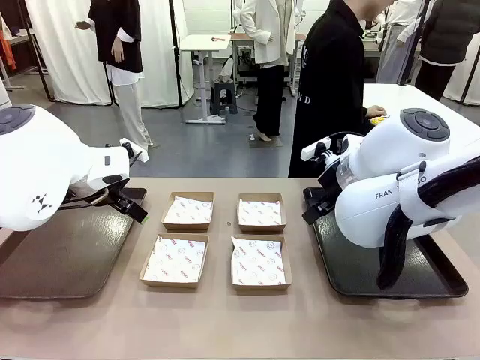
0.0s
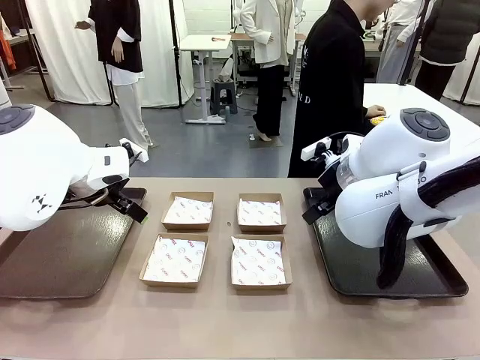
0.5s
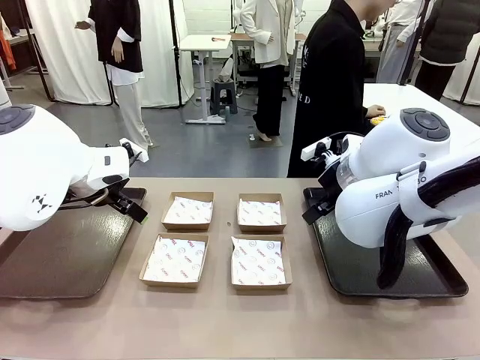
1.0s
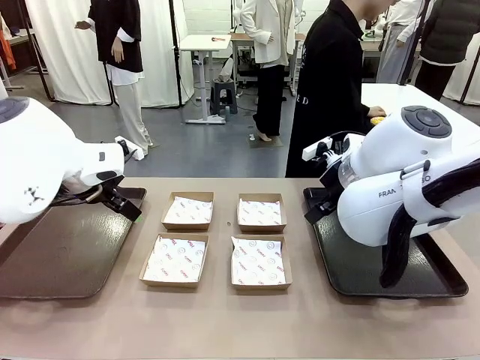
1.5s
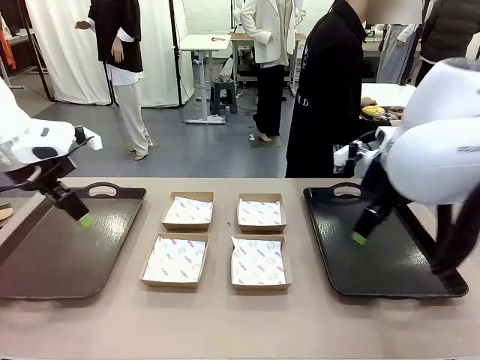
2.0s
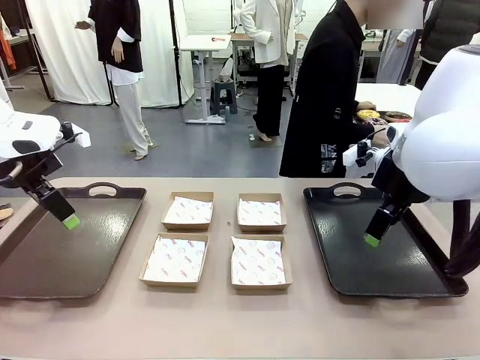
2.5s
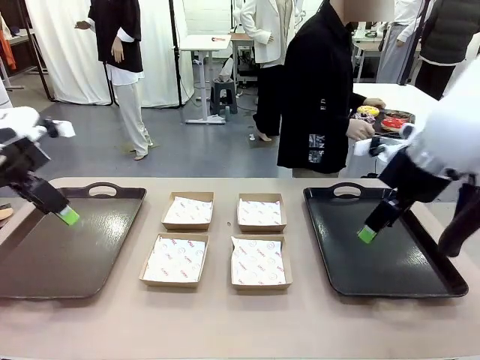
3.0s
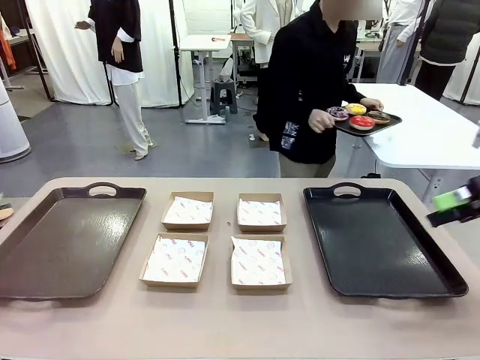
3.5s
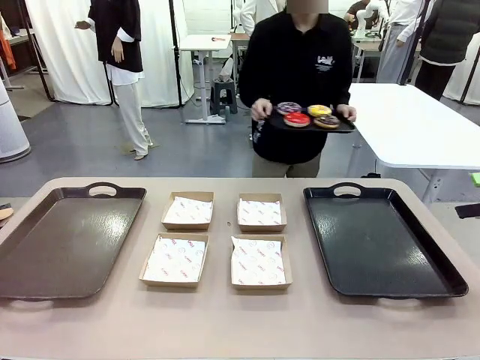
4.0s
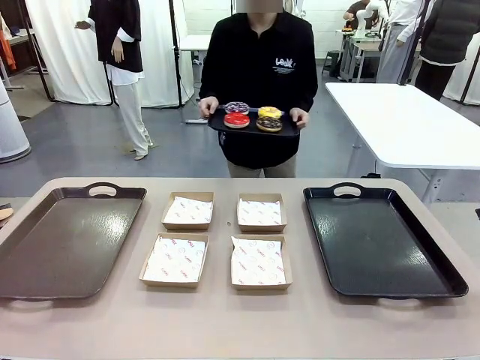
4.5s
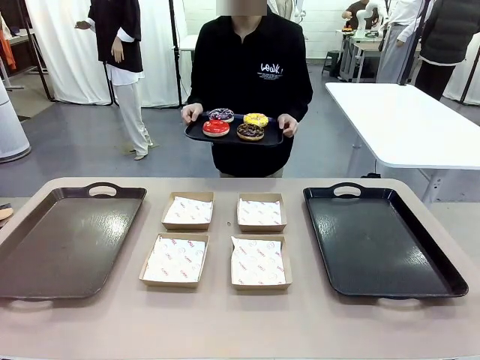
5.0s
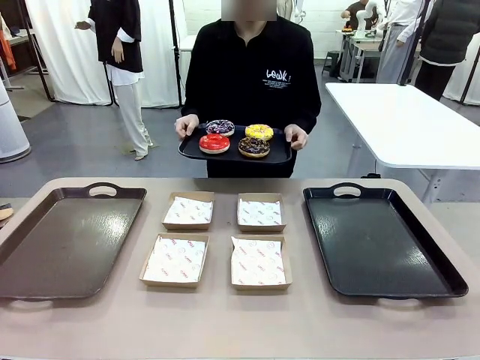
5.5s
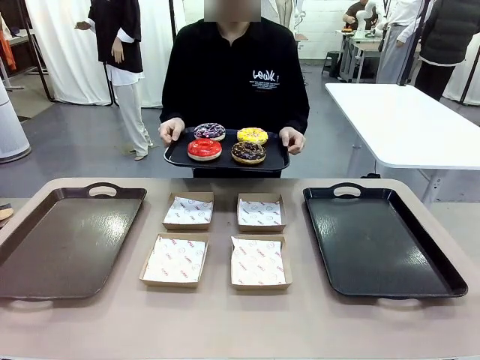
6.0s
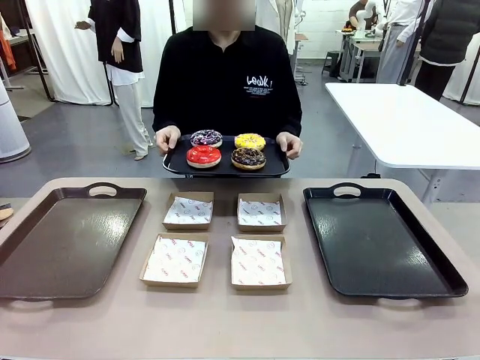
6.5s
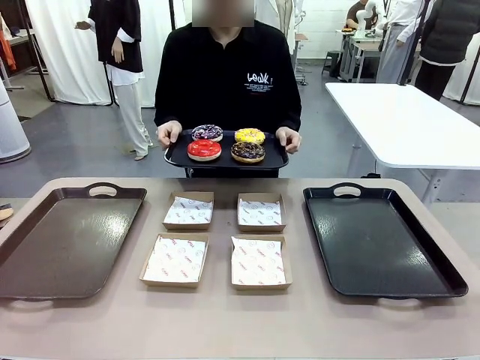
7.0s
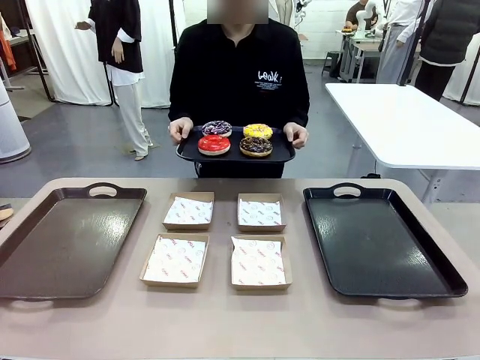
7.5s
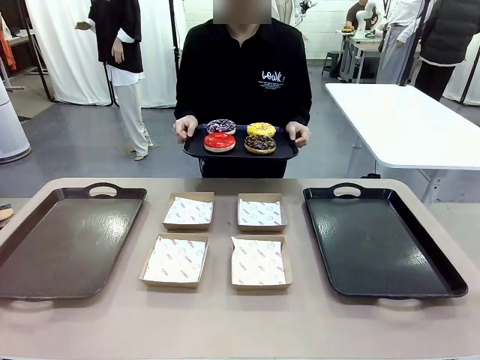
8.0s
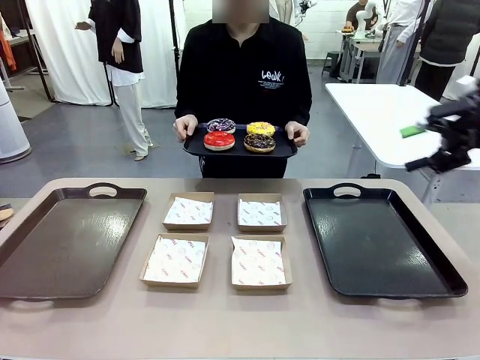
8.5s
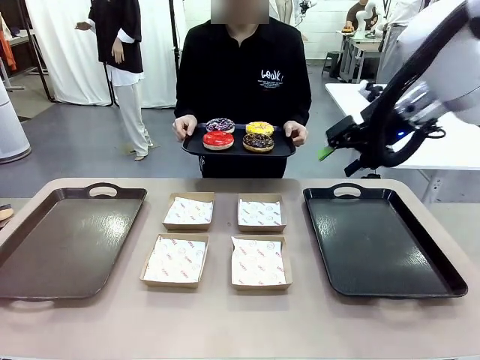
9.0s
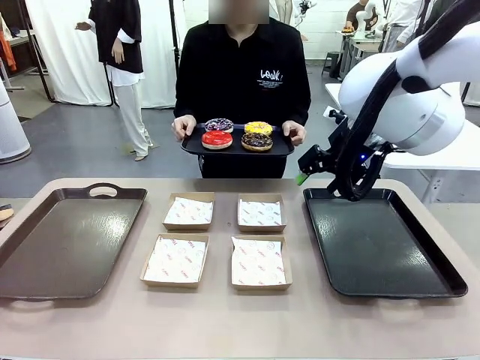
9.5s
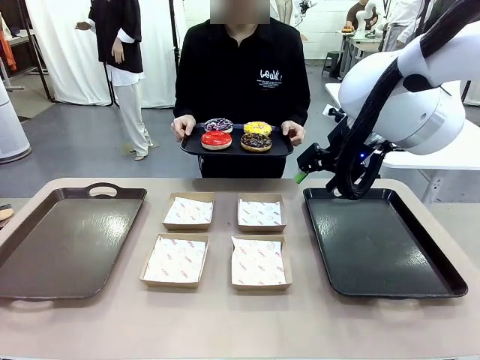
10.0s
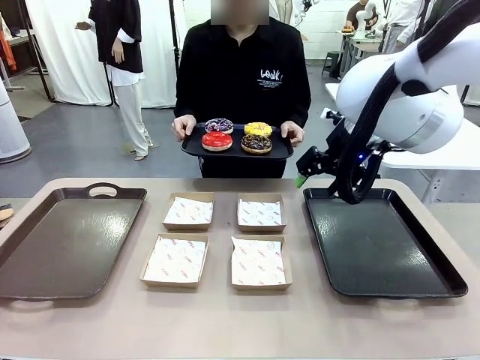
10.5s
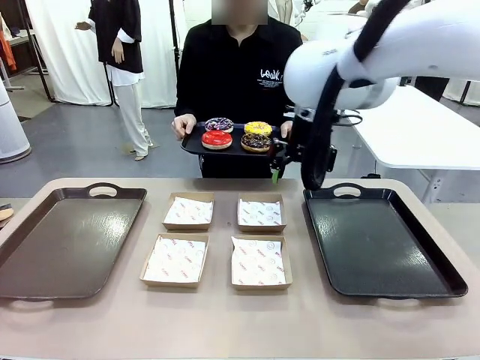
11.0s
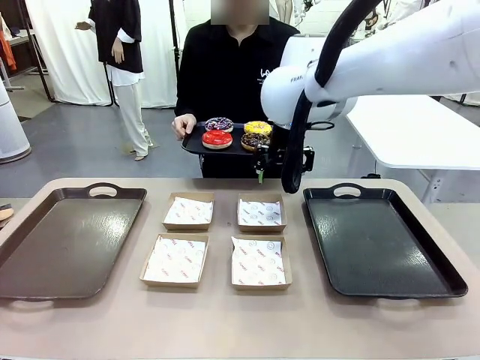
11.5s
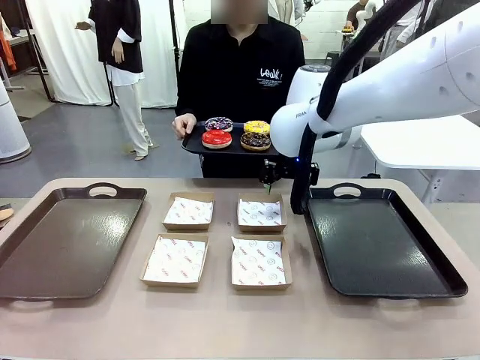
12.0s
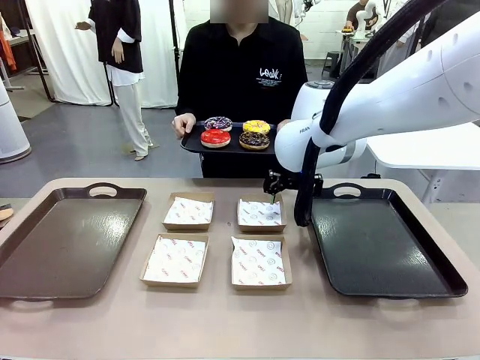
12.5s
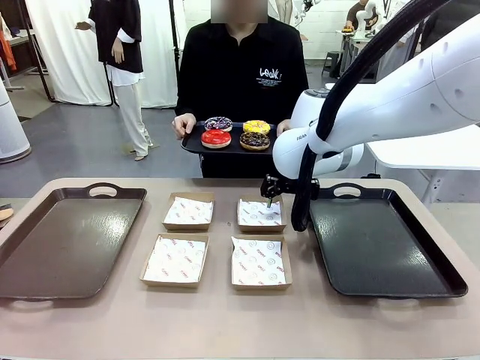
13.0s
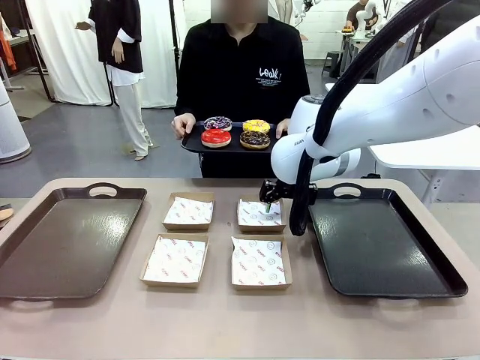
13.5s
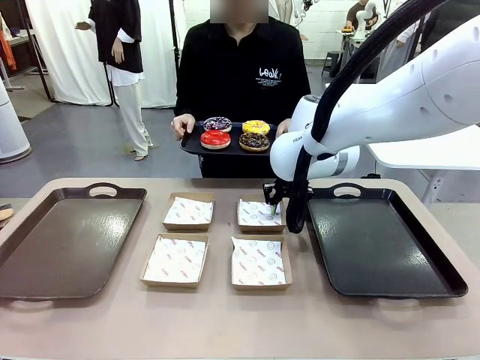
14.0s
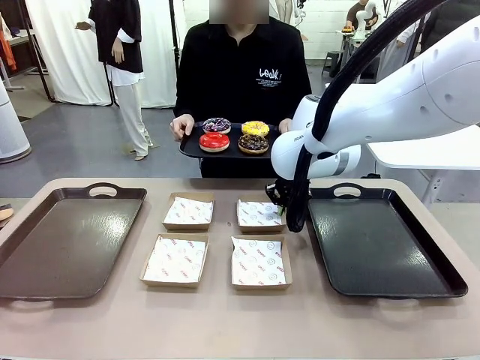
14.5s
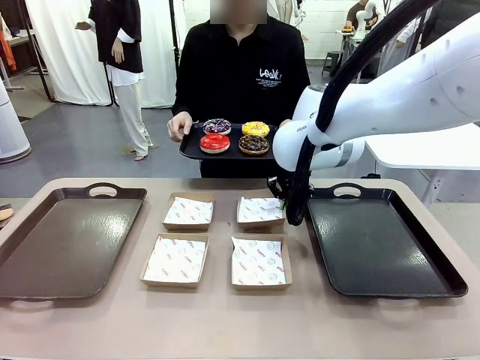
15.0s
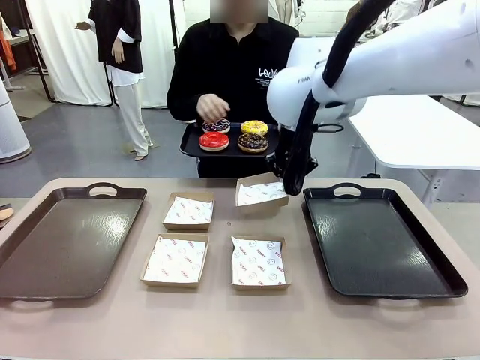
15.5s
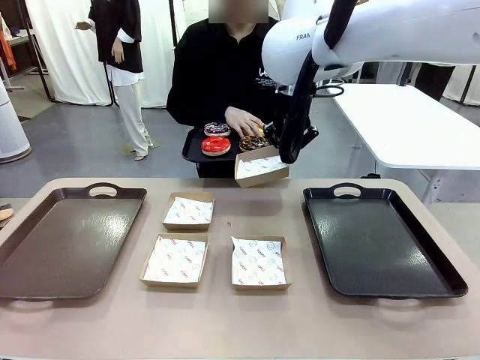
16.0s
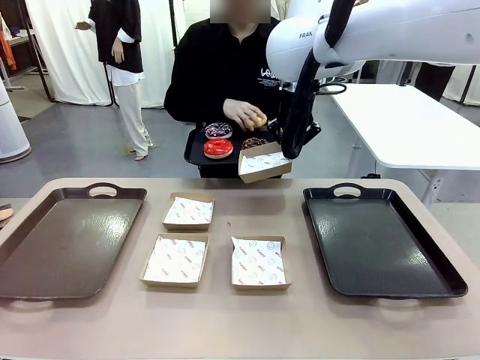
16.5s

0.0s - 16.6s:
Task: Individually package the donuts and arrange them on the tray.
Robot: Pick up one Paper togo box.
Person: Stand in front of the robot table holding the tray containing the donuts.

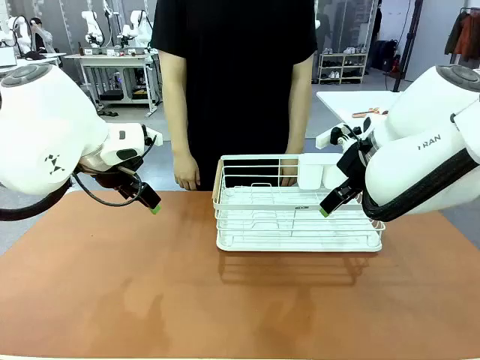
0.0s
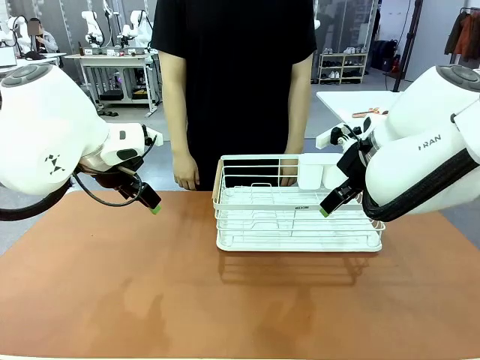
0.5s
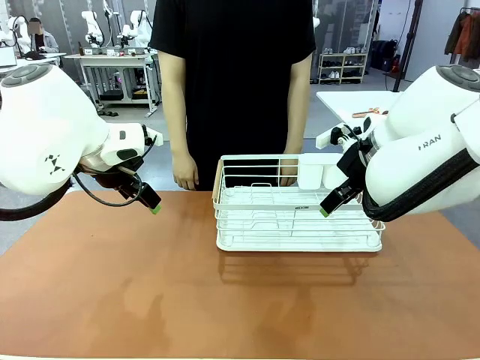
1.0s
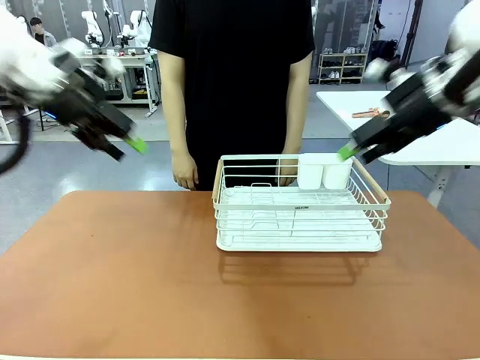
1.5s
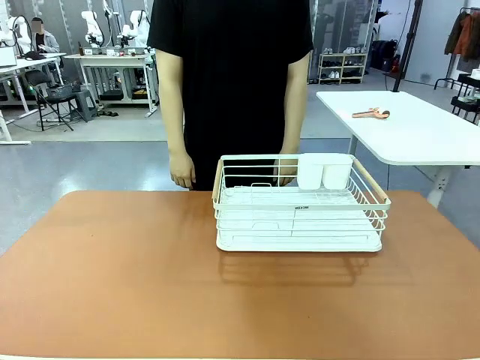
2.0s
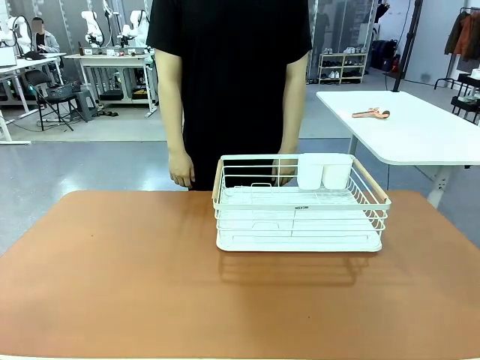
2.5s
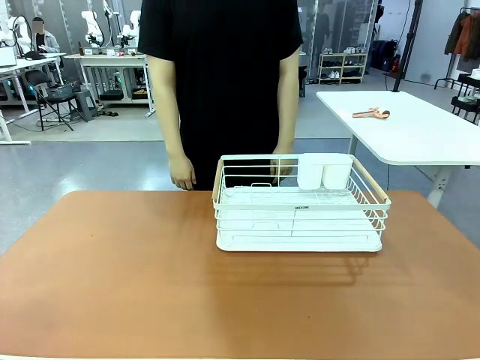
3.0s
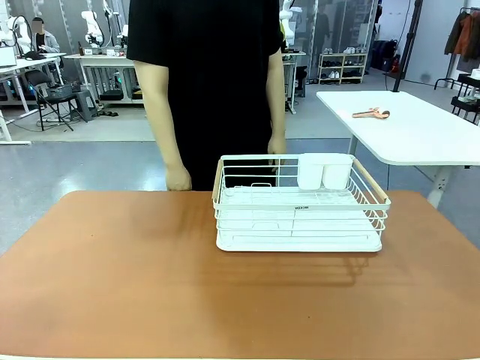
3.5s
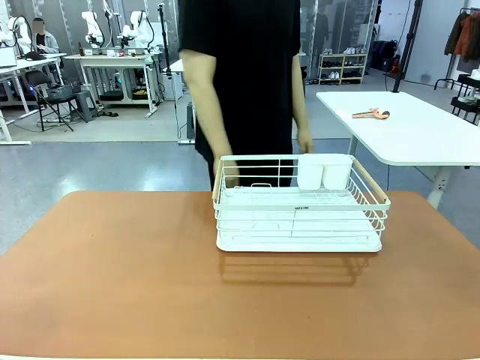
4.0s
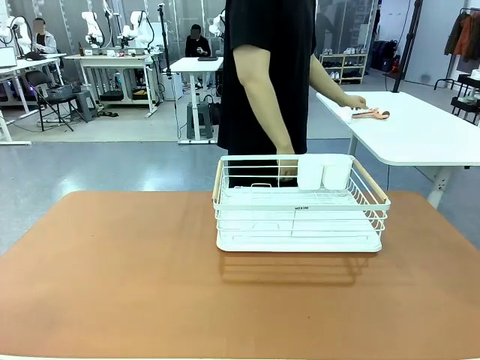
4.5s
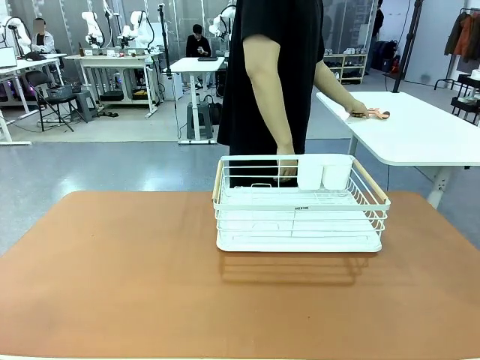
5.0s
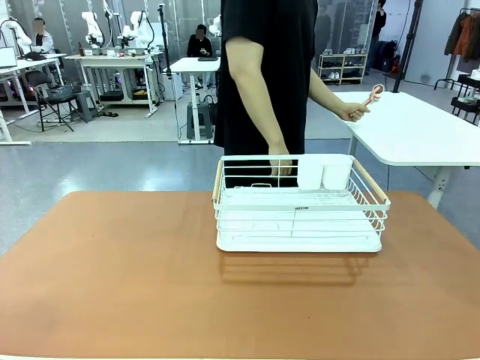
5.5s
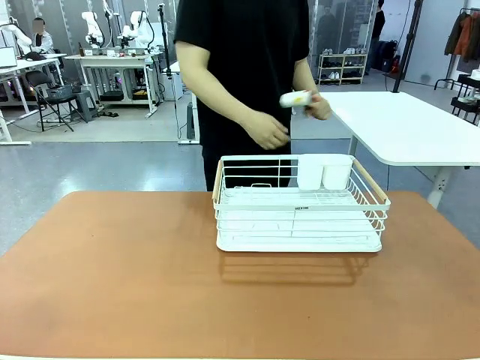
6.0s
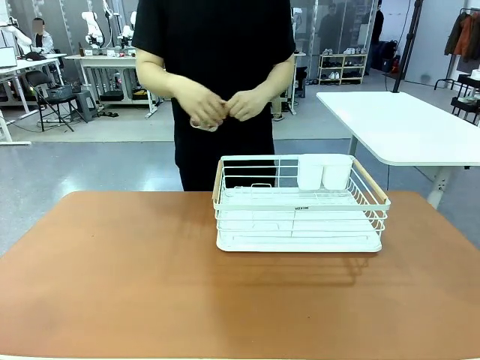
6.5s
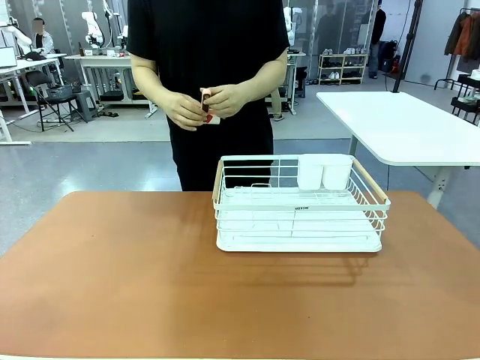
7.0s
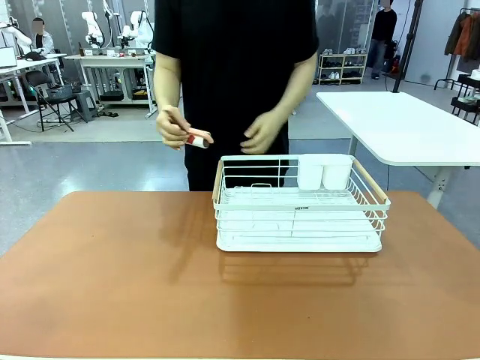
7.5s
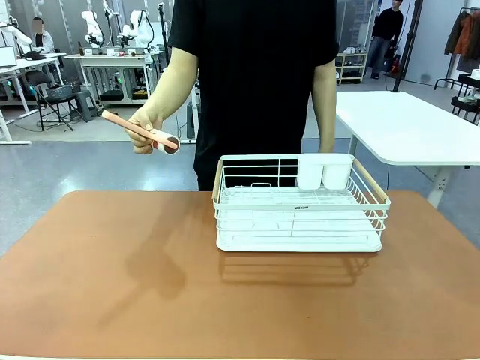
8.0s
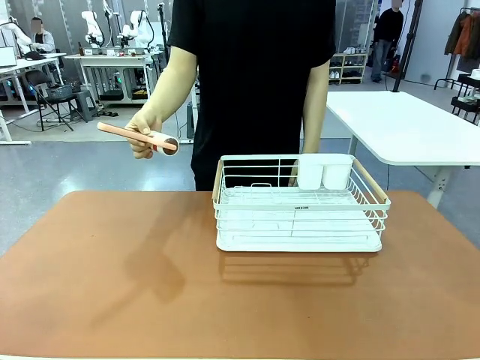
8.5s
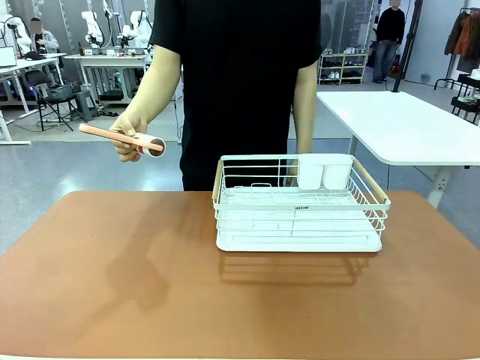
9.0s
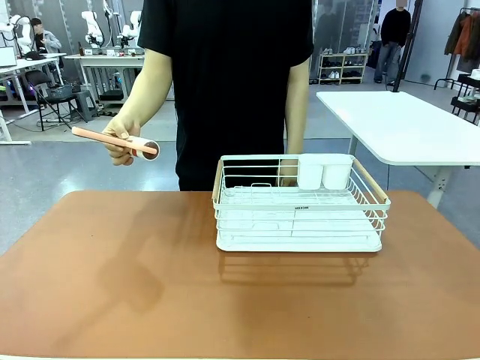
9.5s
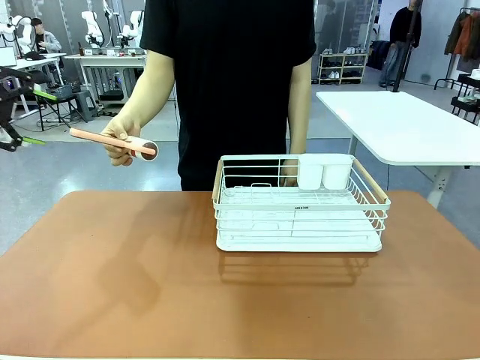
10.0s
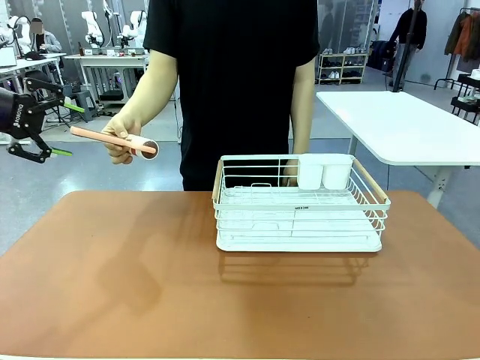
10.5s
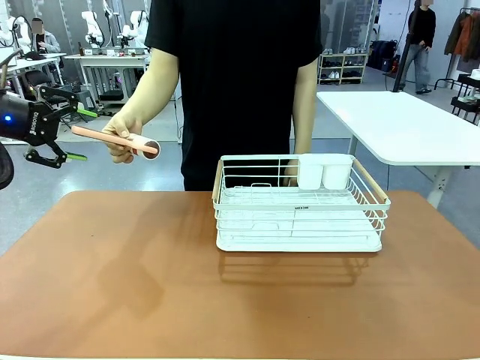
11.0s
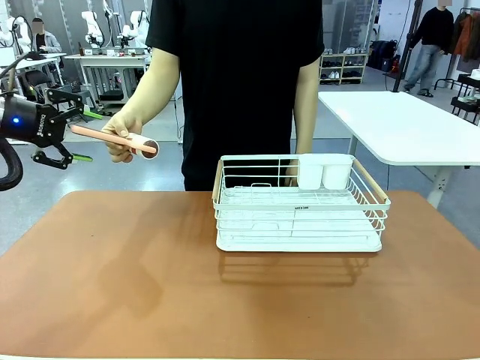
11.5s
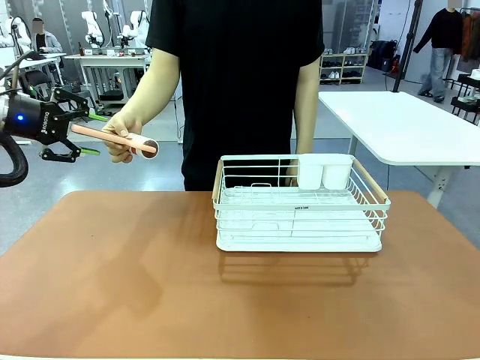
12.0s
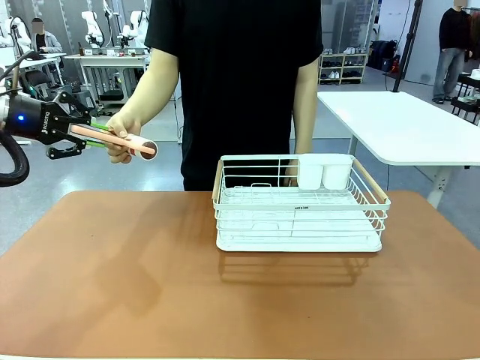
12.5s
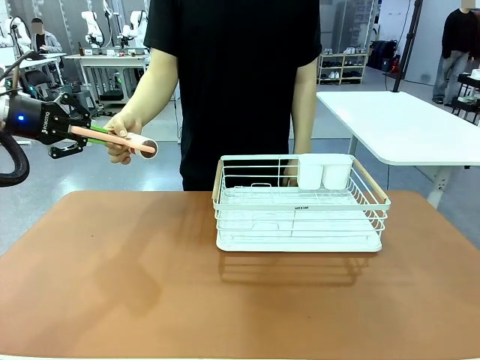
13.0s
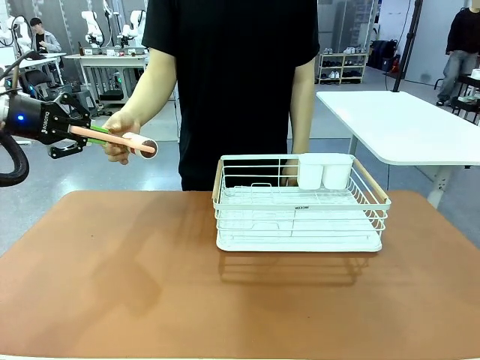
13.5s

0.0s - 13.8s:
Task: Clean the table.
Robot: Pick up the Lint Roller when the human hands it over.
Person: Hand the Lint Roller to the robot so it can easily pick it up. Lift the Dish drying rack.
